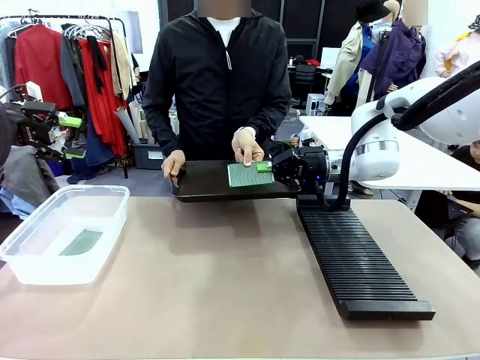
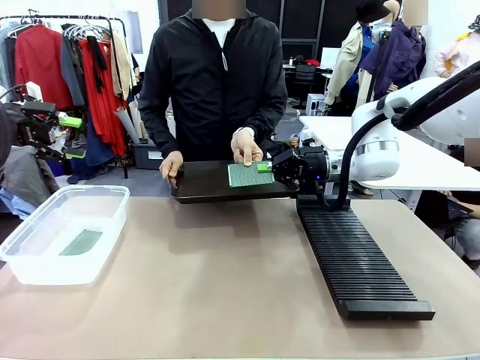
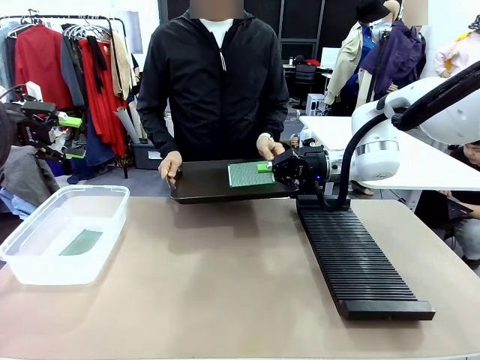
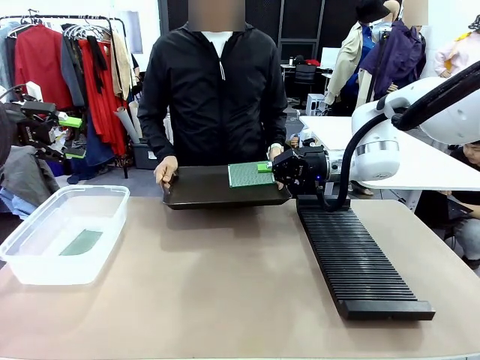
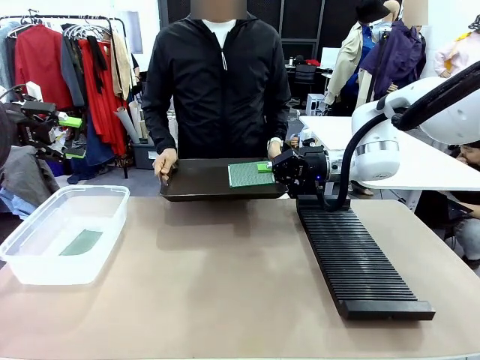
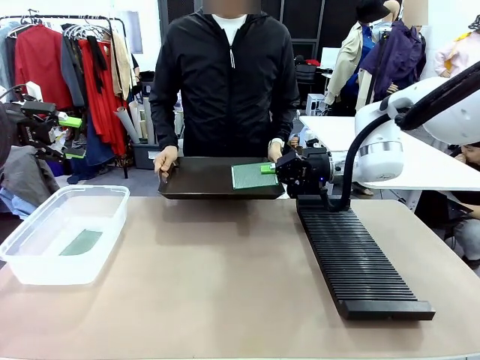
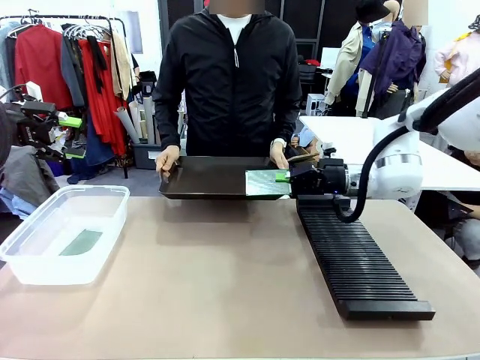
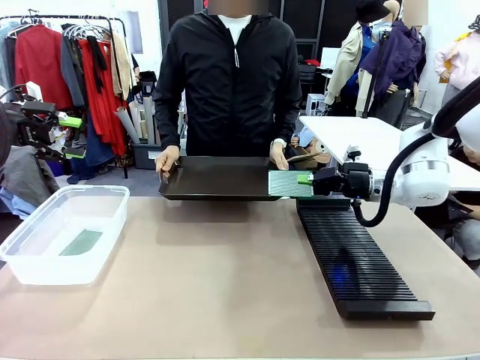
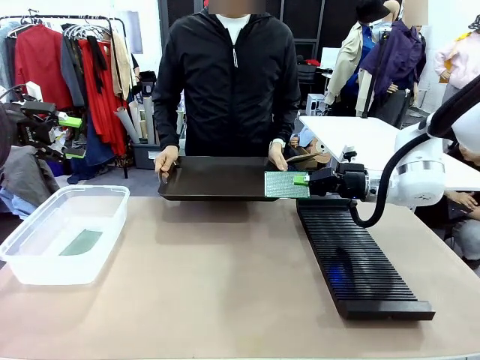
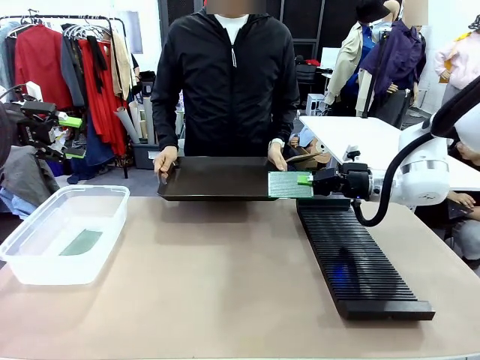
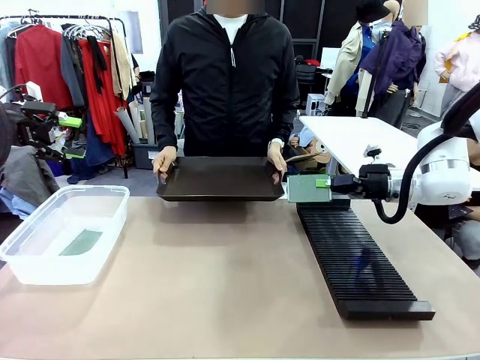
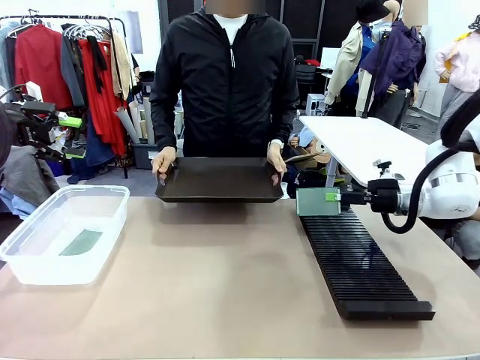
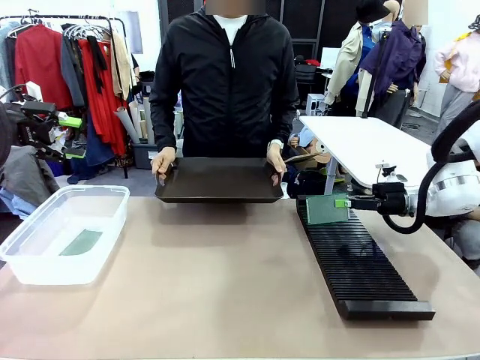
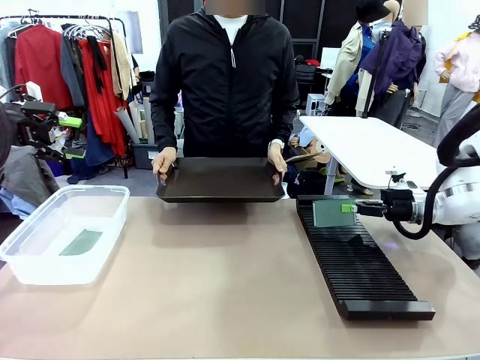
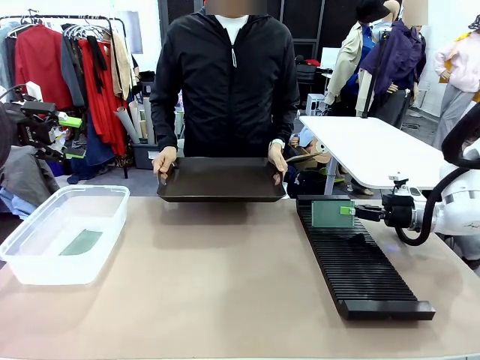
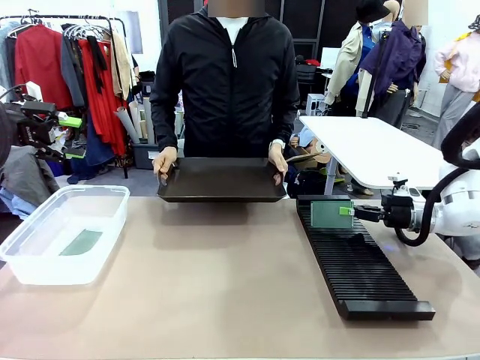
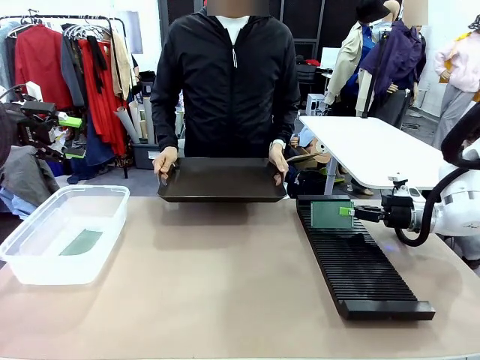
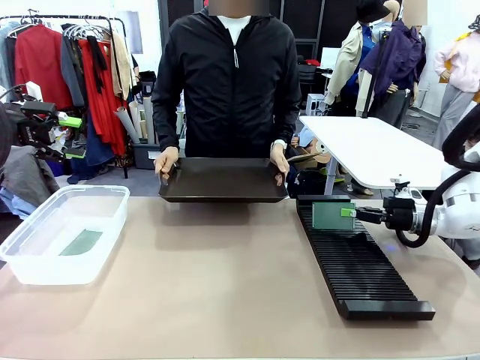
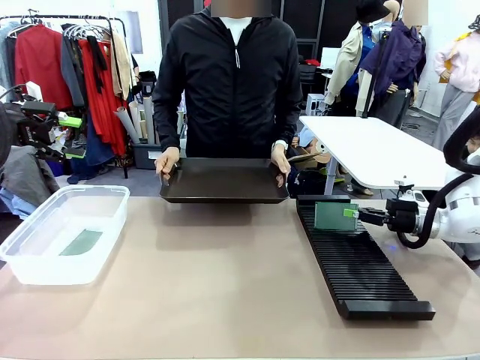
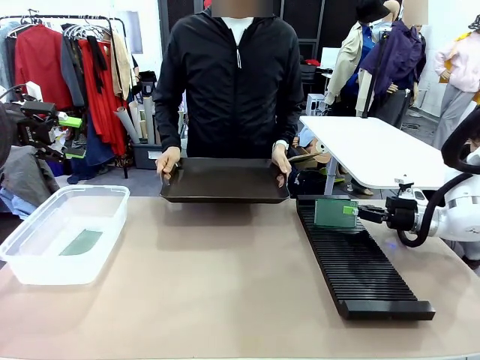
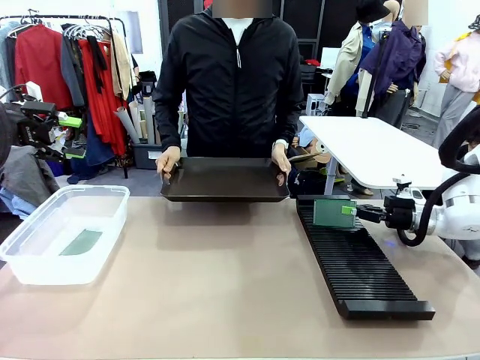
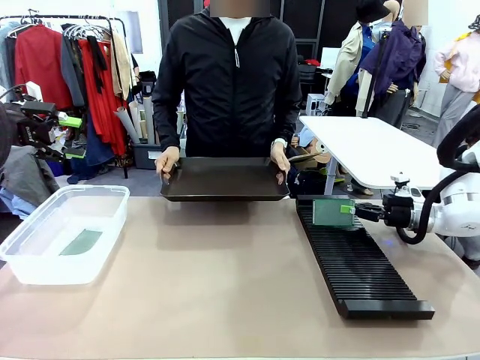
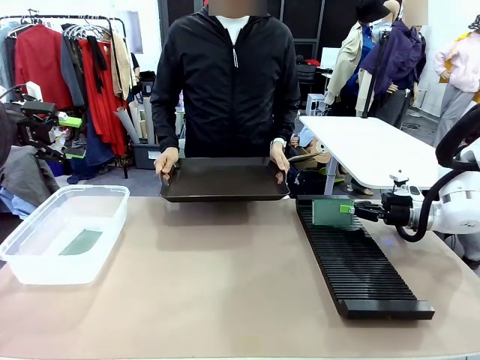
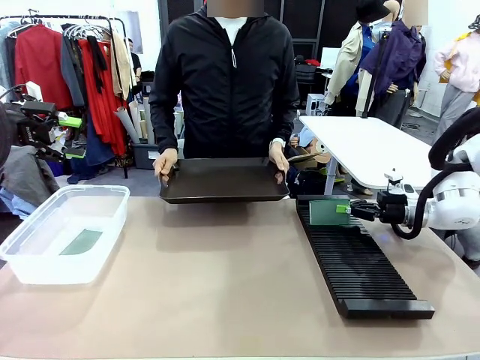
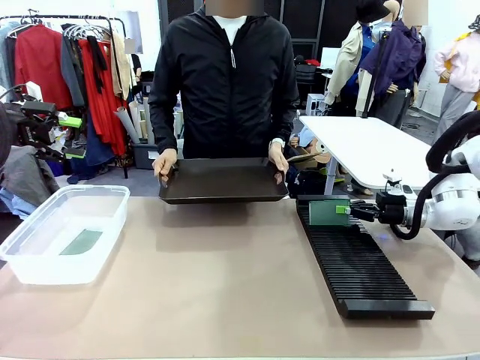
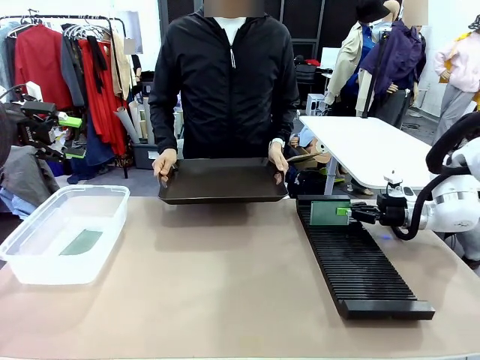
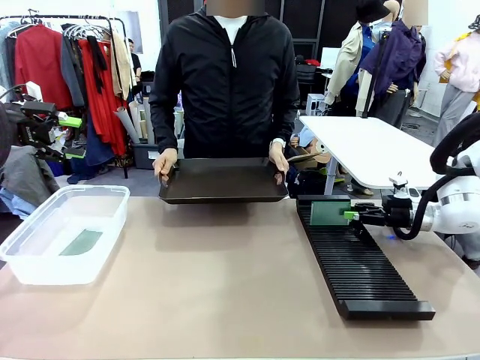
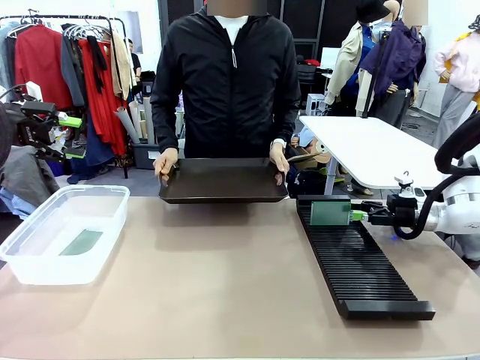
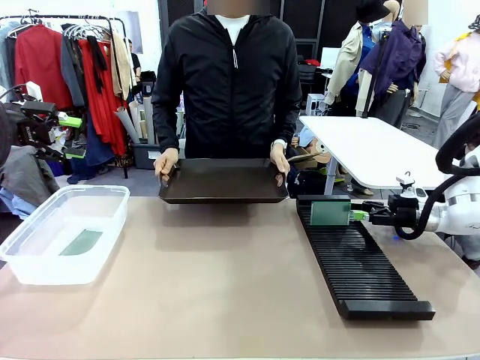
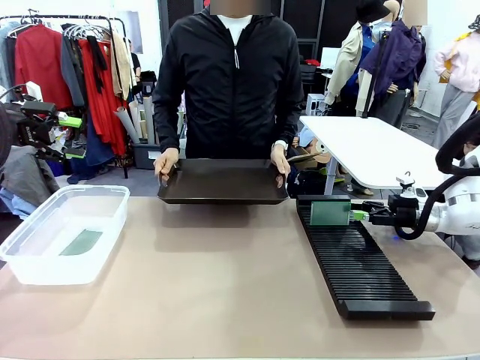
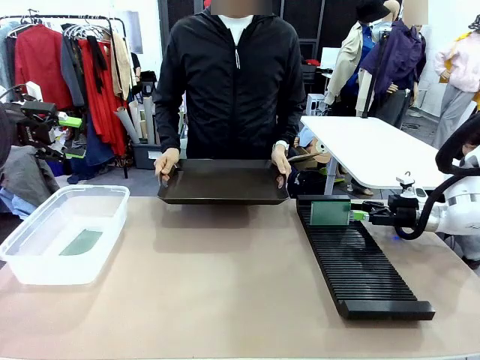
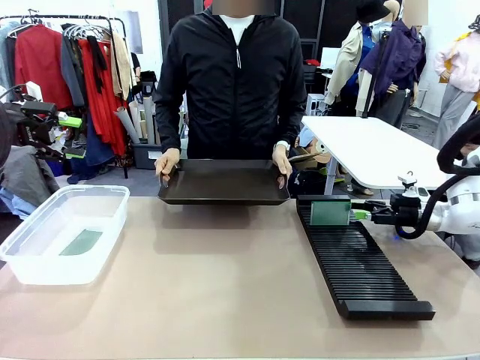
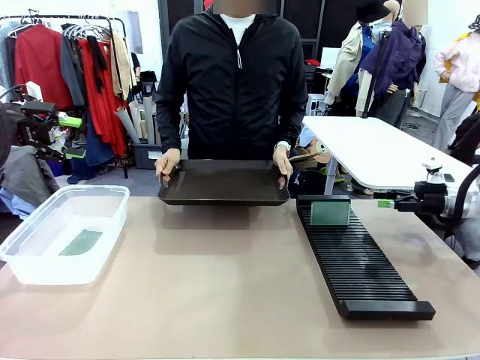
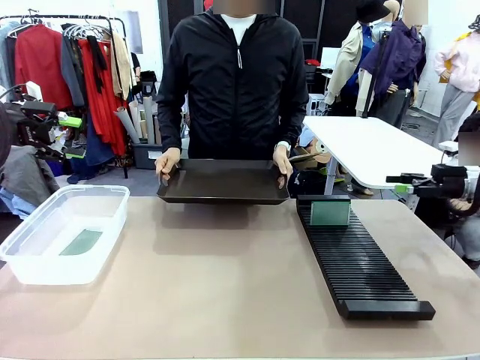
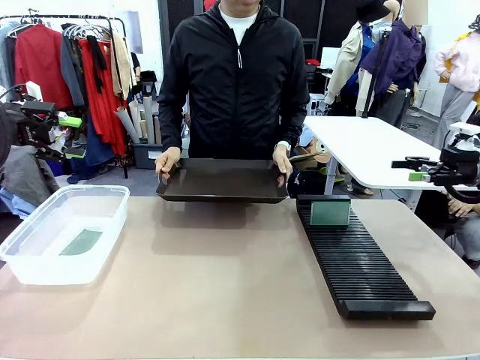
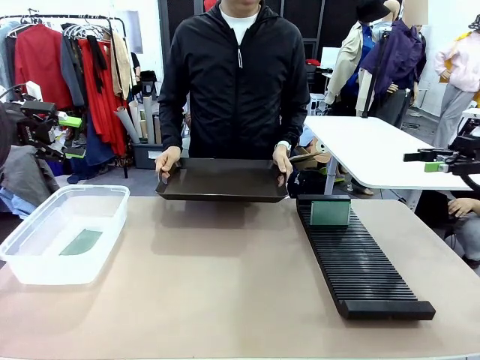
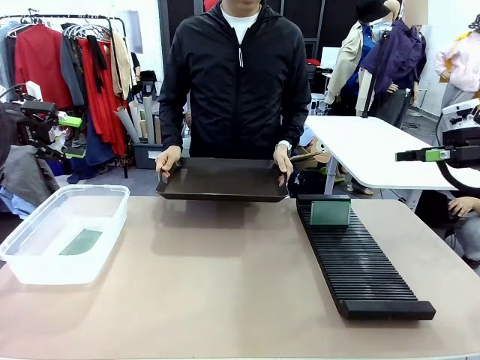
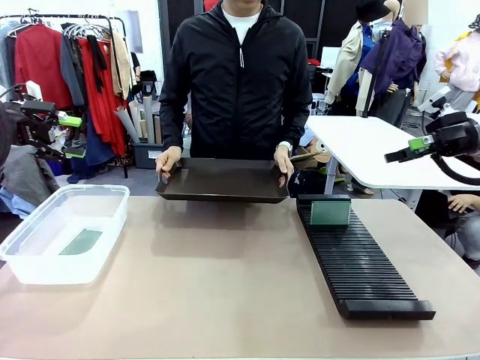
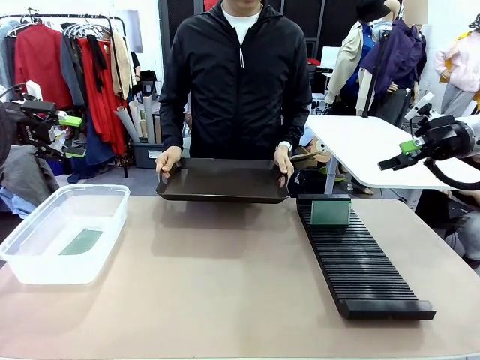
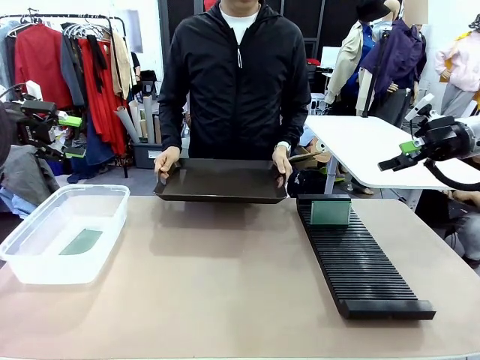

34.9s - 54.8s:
Task: Sort PCBs into racks and boxes based on the side picked up.
Robot: If the short side of the Blank PCB is picked up, insert it into the PCB Rack ; if the long side is picked up, place it in the Organizing box.
Person: Release the PCB being held.

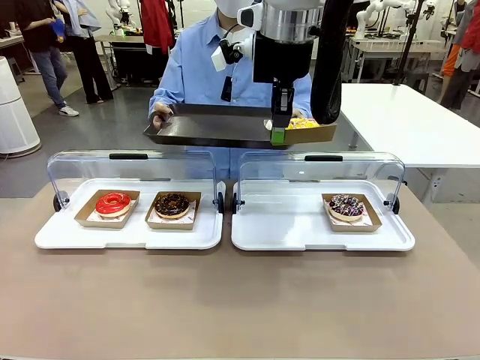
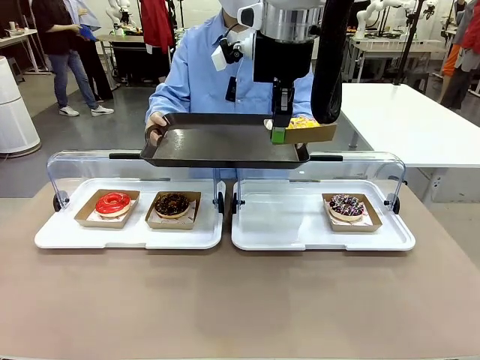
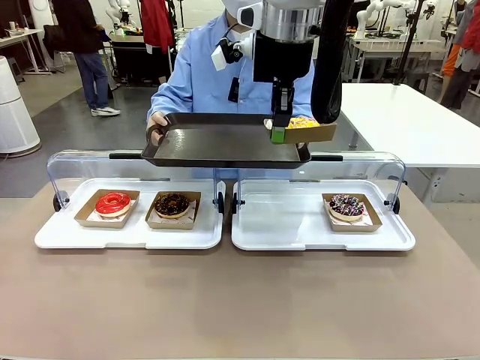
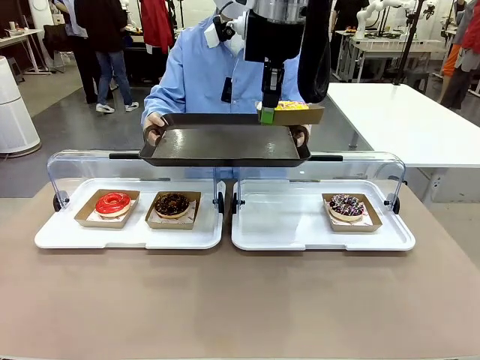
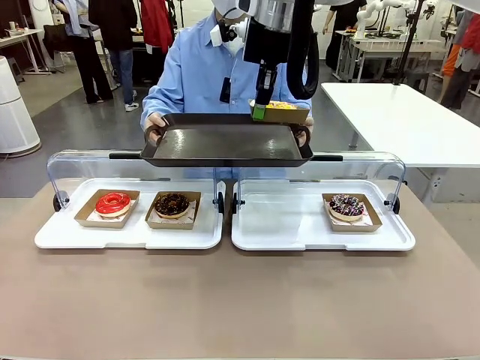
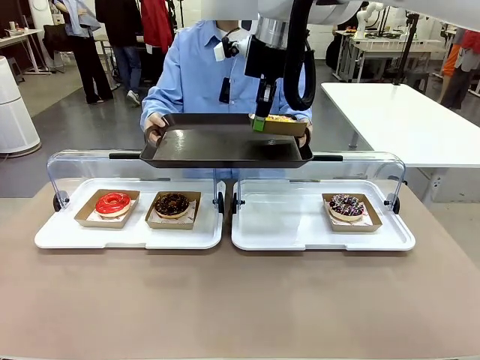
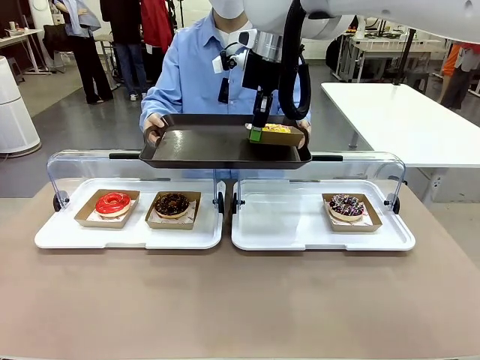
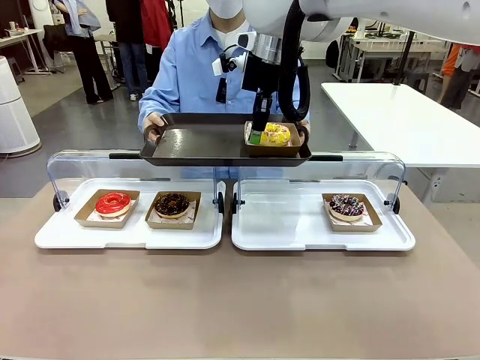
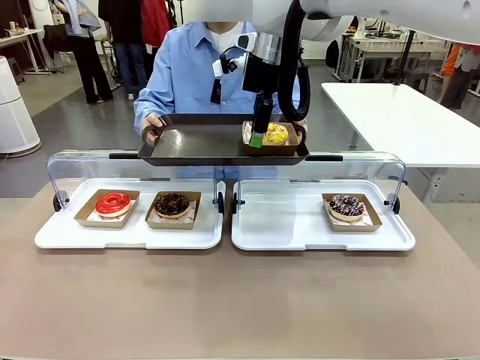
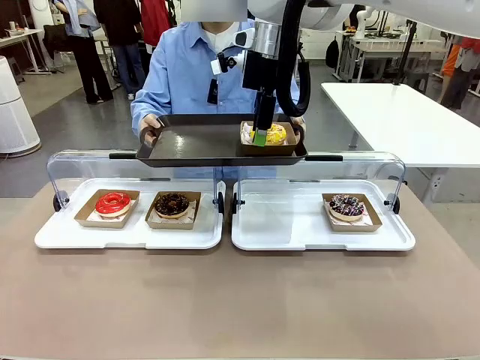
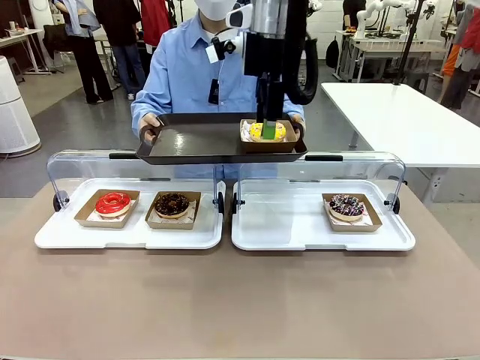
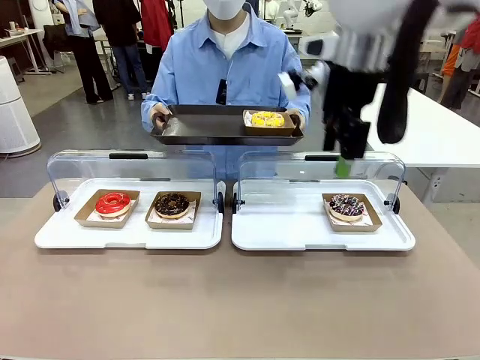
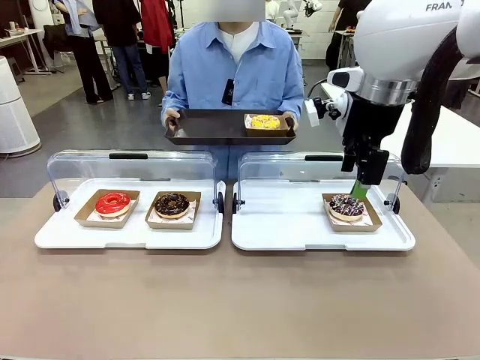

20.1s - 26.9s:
Task: Provide the desired donut to the person.
Robot: Place the picked Paper togo box onto the Handle tray extended by the person.

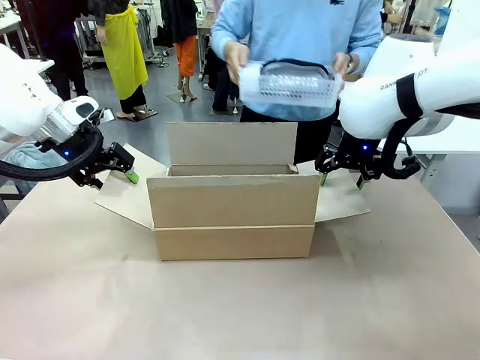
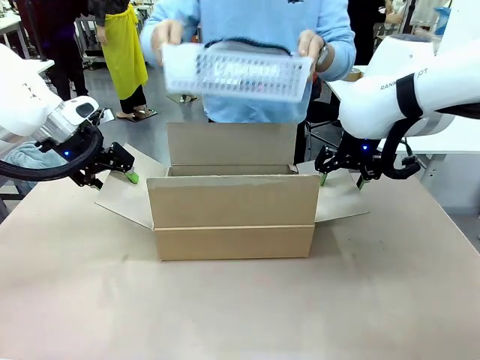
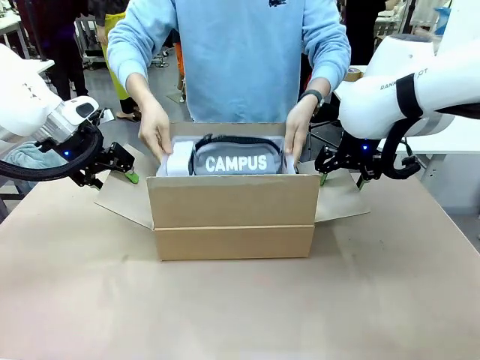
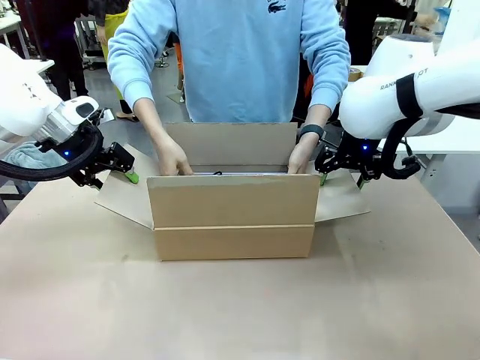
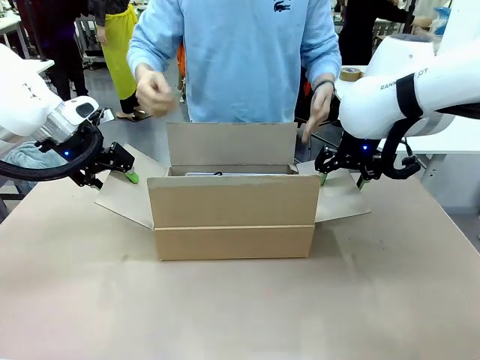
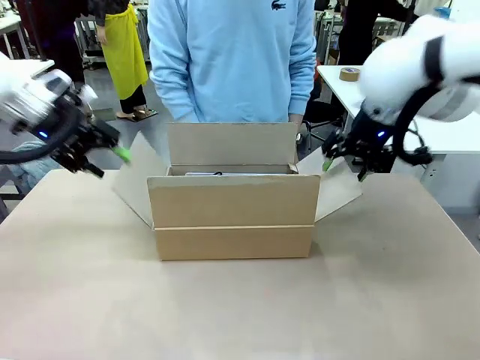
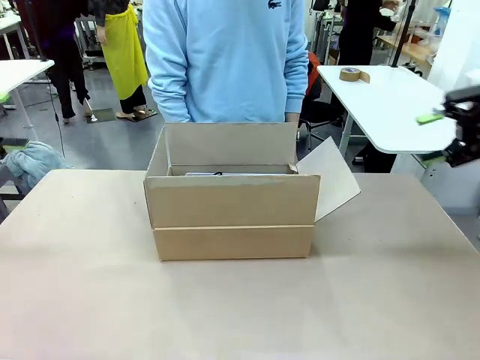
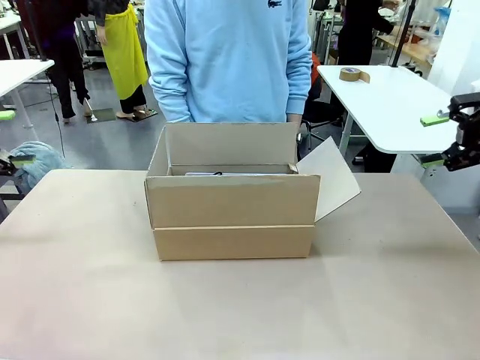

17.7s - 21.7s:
Task: Pack the gift set into the box.
Robot: Lift both hands away from the flaps of the Package Box.
Person: The human picks up the organizing basket and places the organizing basket into the package box on the robot table.
